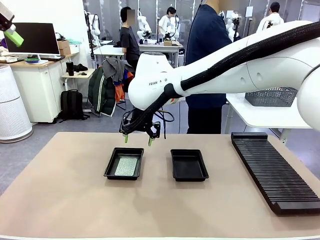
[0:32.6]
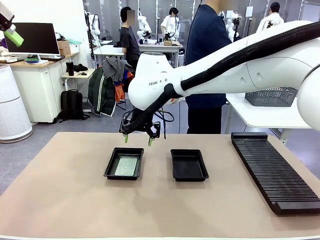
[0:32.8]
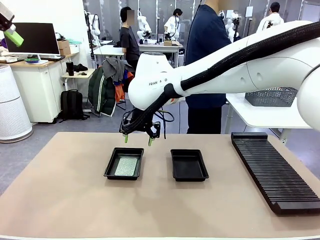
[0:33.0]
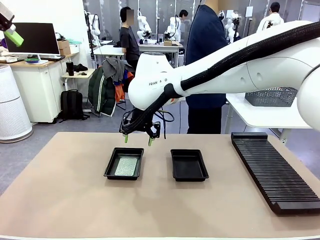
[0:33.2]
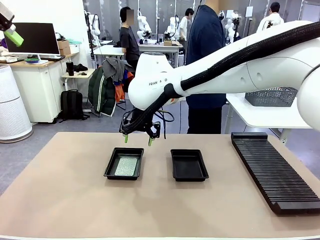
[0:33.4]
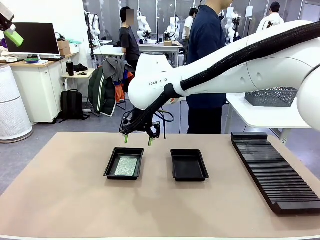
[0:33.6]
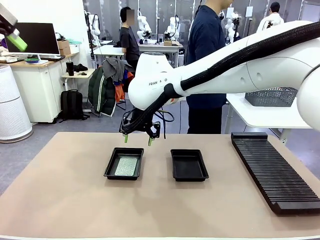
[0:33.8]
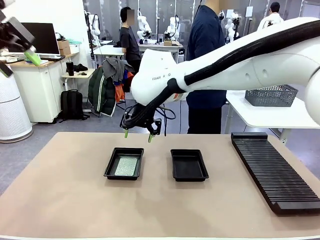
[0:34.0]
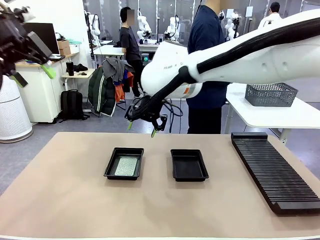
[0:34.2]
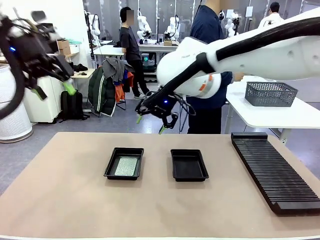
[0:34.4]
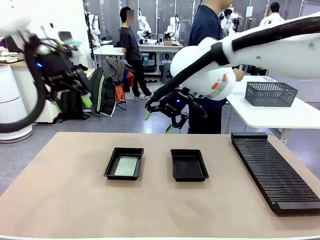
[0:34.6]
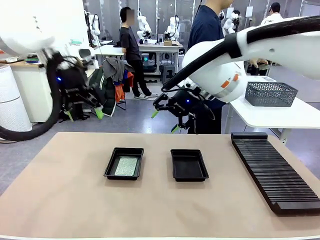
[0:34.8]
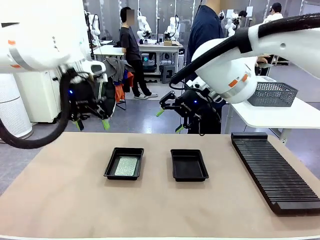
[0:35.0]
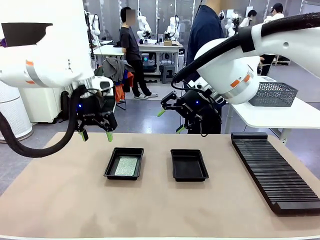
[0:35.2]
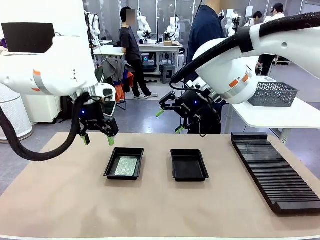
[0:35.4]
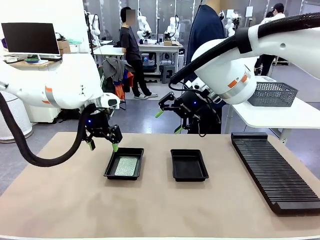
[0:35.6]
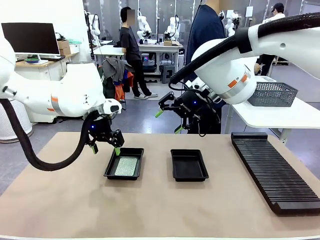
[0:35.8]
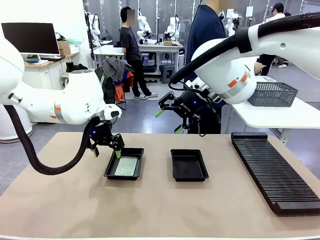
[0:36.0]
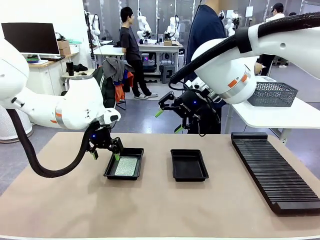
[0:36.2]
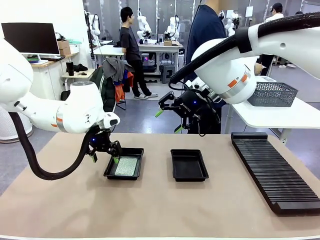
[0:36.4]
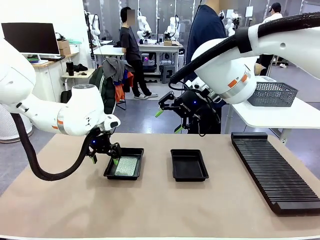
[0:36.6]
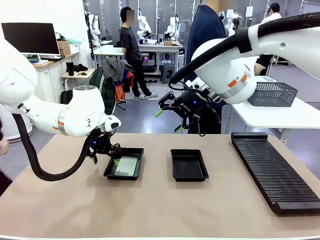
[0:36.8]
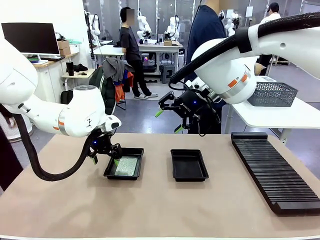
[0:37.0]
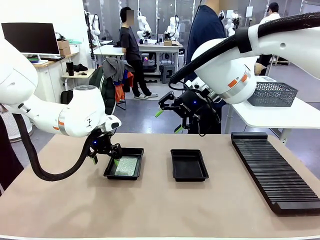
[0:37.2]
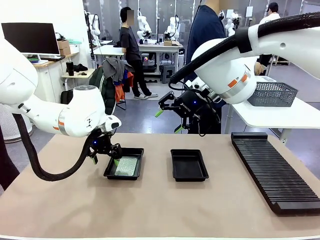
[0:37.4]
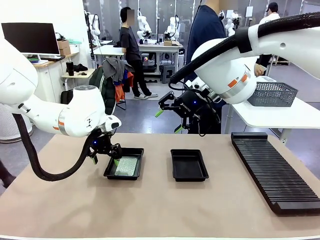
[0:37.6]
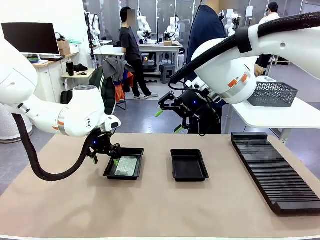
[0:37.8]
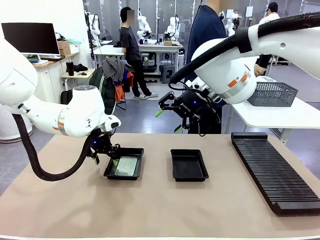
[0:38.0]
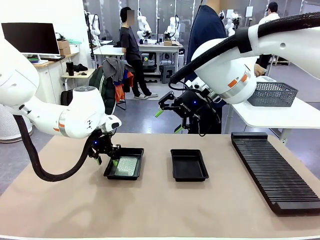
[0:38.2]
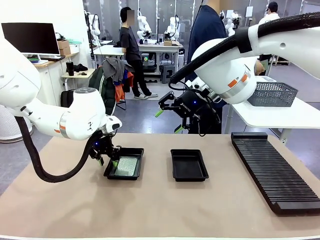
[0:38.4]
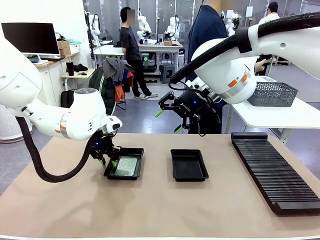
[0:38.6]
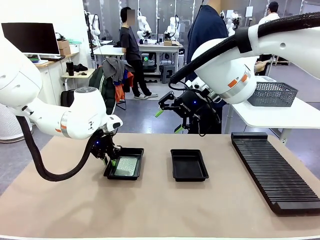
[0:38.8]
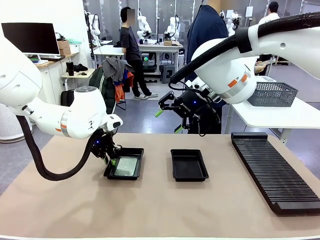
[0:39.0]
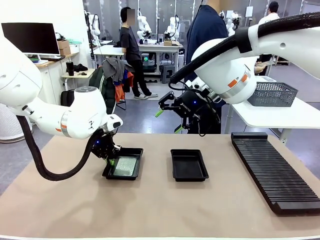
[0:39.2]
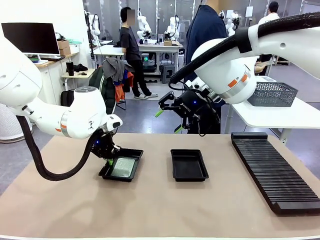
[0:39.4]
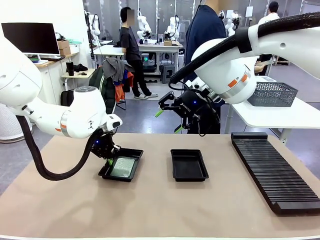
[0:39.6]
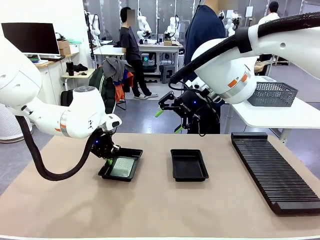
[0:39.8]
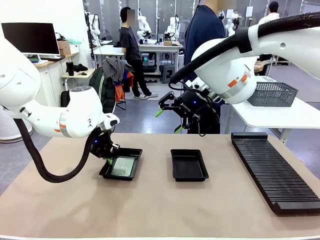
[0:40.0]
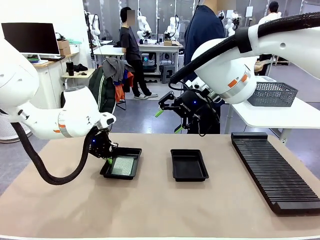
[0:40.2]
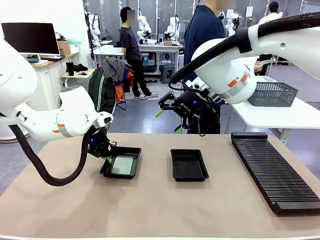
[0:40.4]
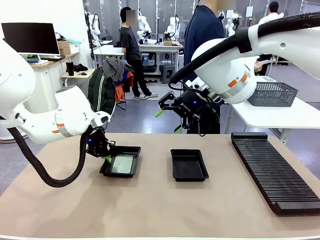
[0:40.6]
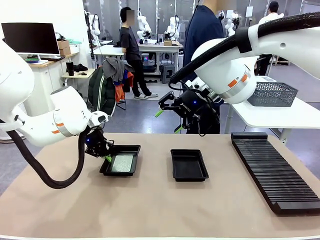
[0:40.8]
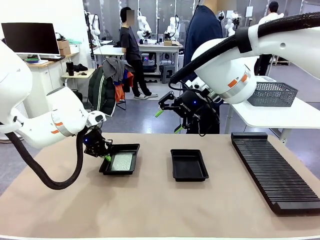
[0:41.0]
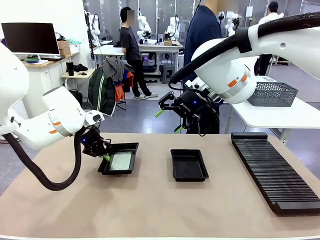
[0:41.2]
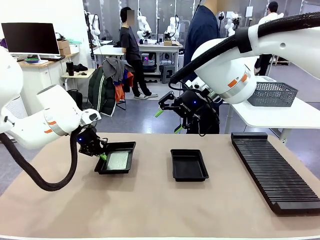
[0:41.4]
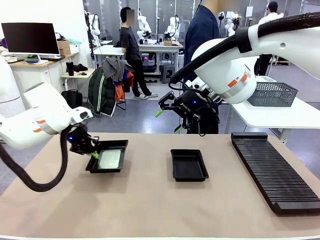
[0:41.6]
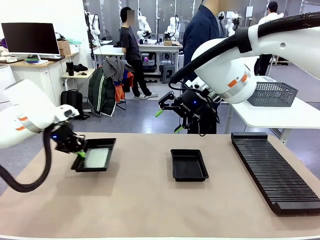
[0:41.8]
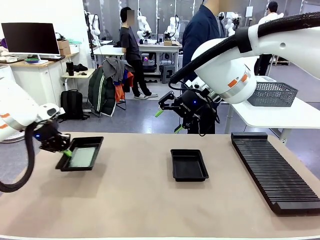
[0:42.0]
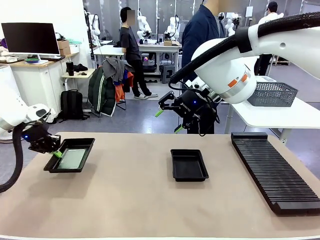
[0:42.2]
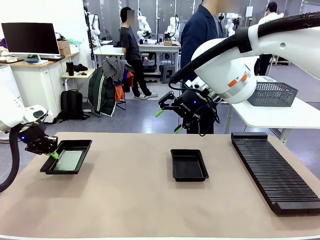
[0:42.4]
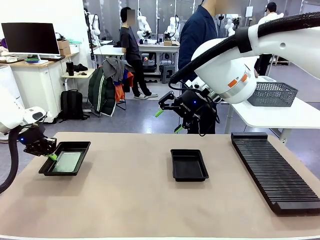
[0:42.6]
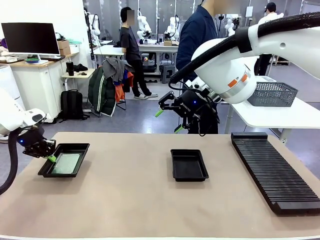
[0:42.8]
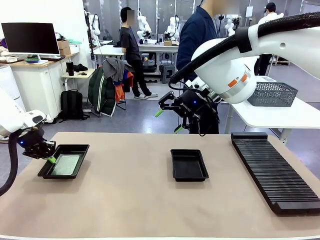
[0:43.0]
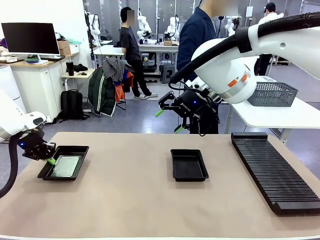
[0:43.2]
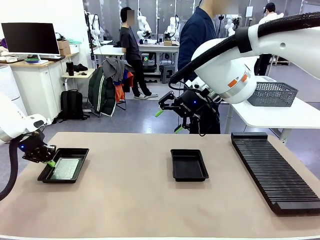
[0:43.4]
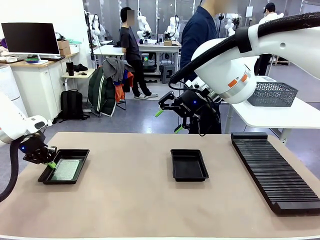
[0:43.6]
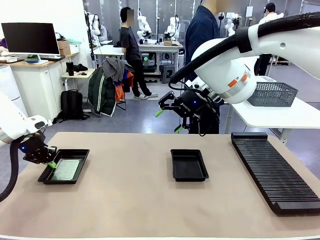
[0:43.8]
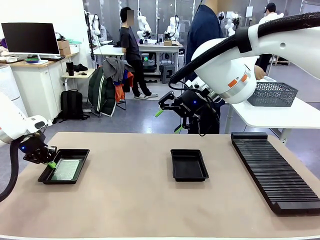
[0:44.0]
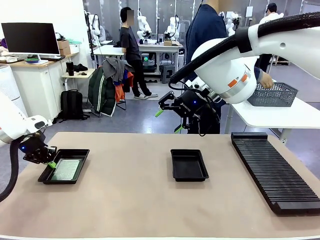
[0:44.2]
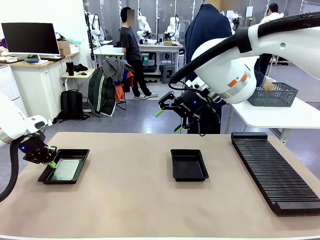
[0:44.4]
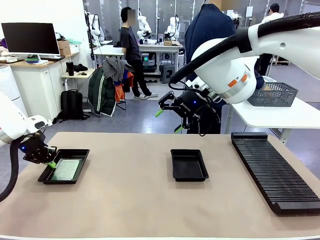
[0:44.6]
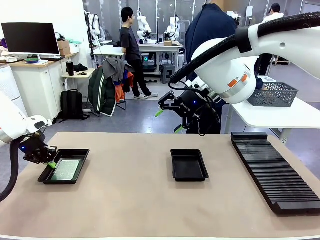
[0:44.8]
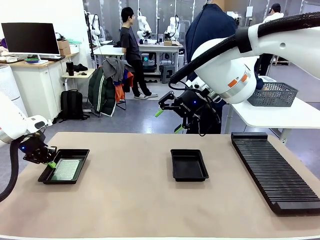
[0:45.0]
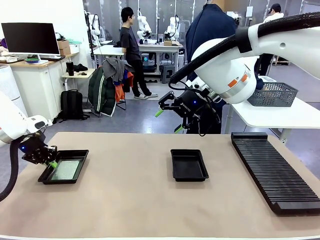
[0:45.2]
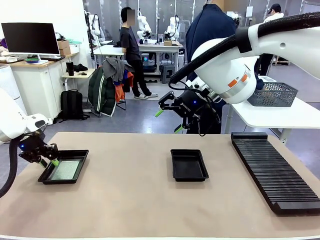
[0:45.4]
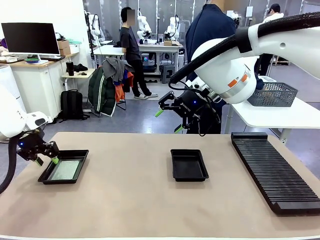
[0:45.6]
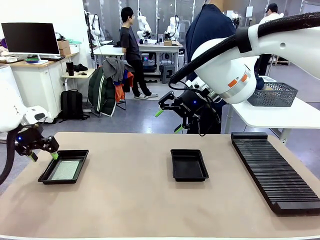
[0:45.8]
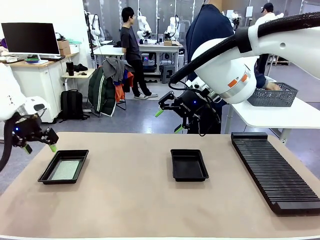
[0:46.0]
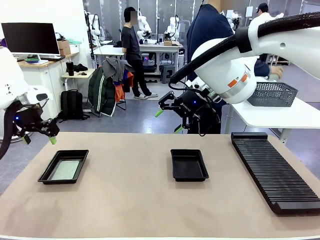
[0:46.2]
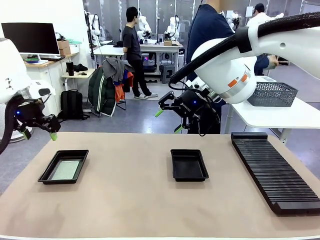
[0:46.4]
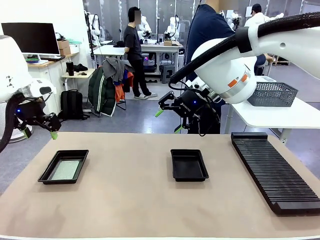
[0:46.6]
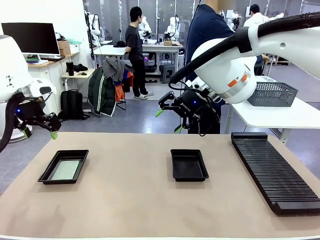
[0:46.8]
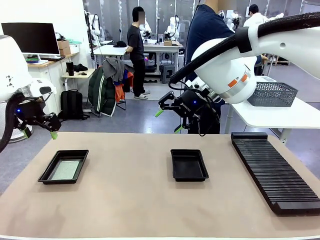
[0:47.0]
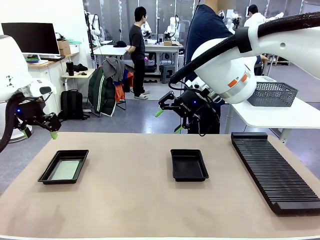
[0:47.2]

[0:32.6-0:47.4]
Task: Inspect and transfer BCBs to ESD trays.
Robot: Pick up the ESD tray and place it on the left side of the table.
